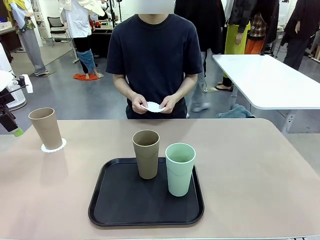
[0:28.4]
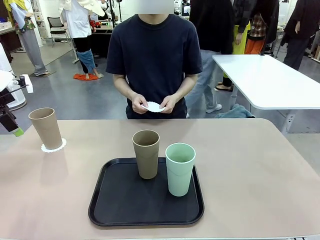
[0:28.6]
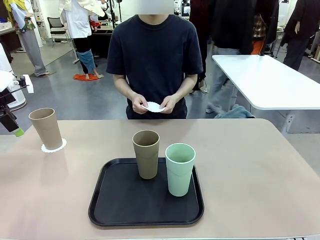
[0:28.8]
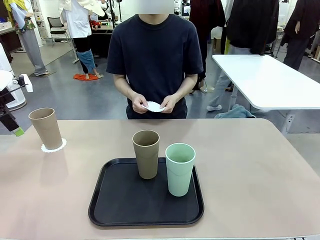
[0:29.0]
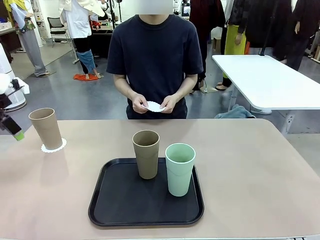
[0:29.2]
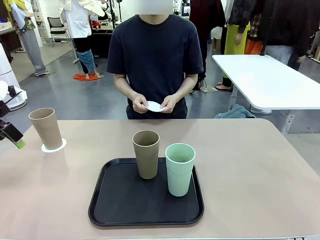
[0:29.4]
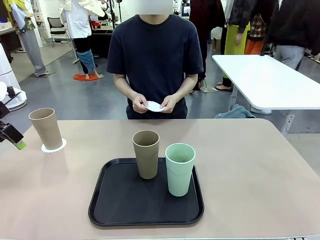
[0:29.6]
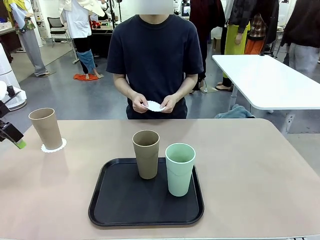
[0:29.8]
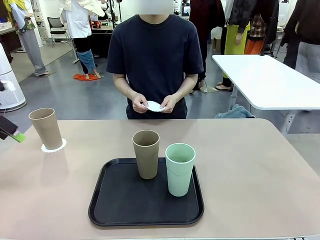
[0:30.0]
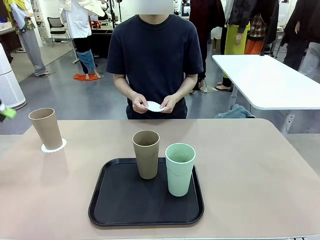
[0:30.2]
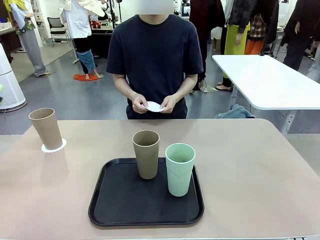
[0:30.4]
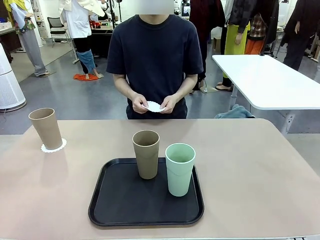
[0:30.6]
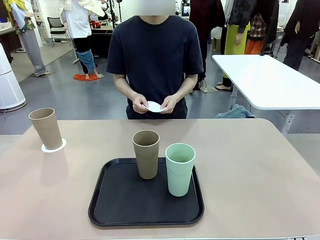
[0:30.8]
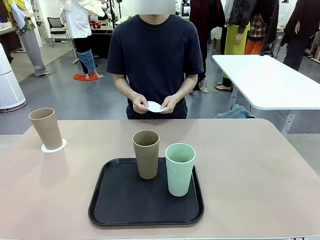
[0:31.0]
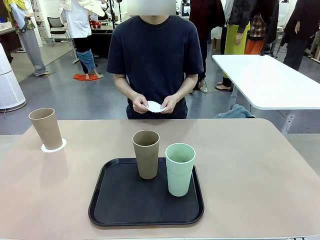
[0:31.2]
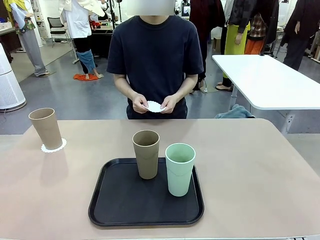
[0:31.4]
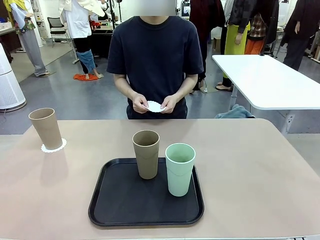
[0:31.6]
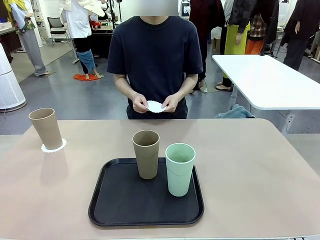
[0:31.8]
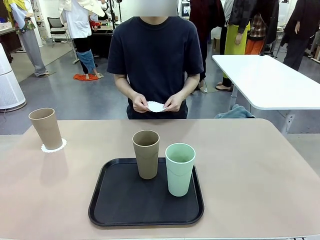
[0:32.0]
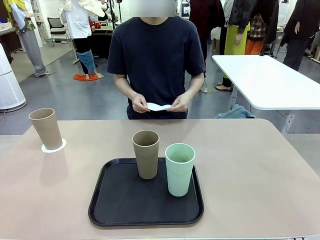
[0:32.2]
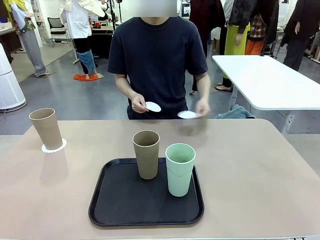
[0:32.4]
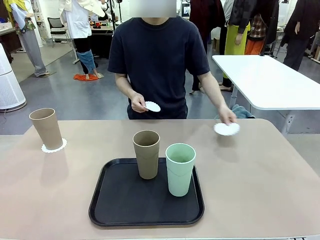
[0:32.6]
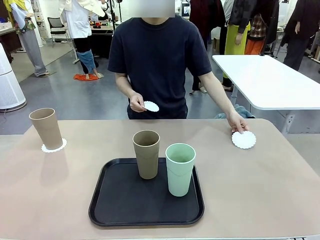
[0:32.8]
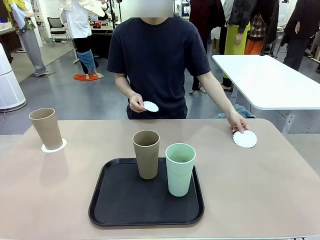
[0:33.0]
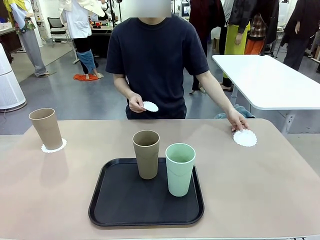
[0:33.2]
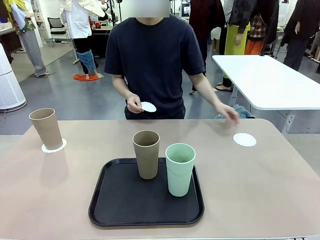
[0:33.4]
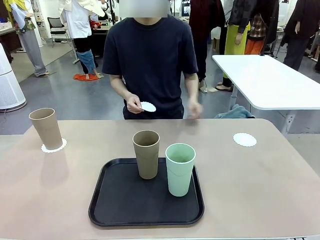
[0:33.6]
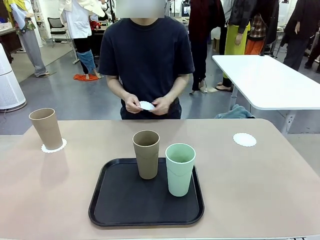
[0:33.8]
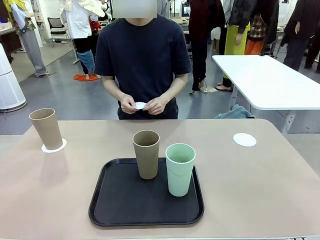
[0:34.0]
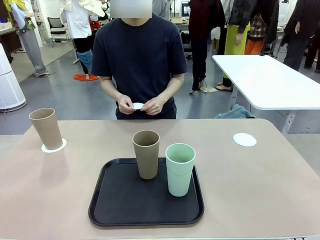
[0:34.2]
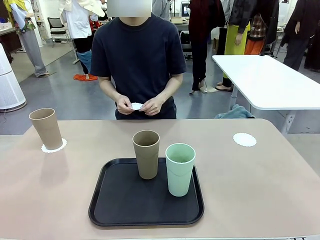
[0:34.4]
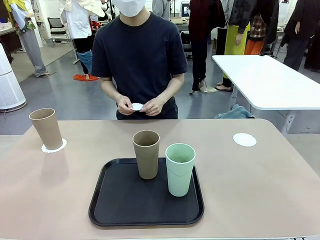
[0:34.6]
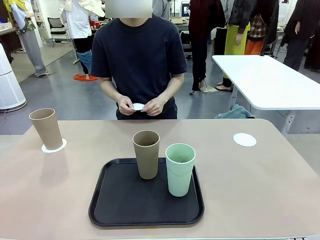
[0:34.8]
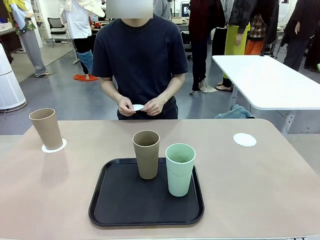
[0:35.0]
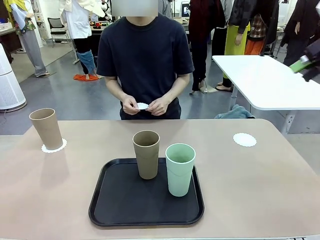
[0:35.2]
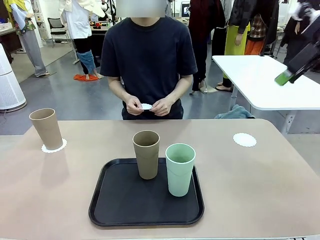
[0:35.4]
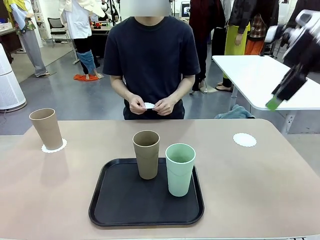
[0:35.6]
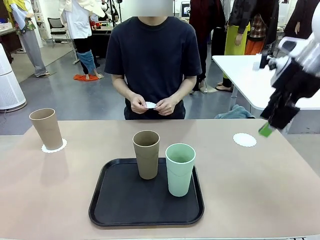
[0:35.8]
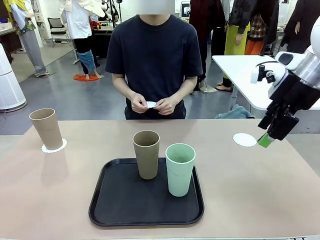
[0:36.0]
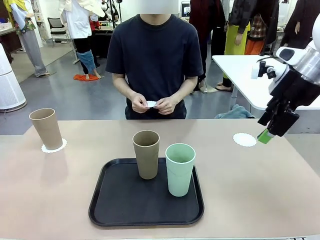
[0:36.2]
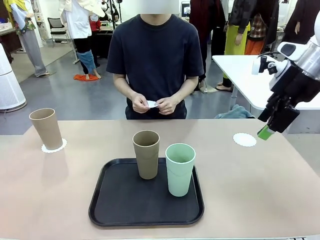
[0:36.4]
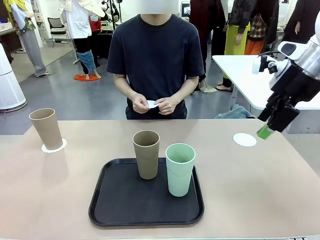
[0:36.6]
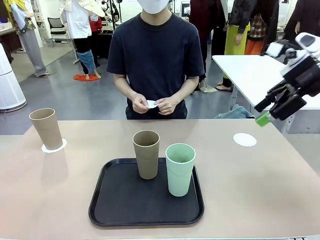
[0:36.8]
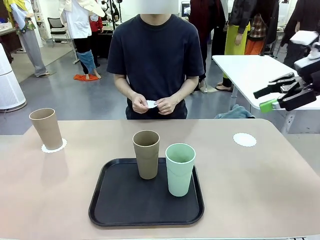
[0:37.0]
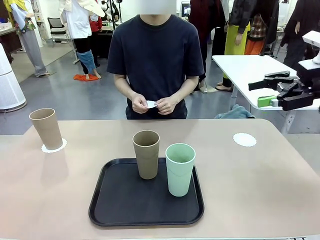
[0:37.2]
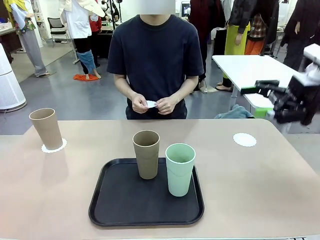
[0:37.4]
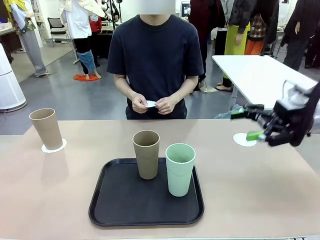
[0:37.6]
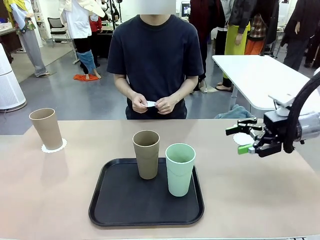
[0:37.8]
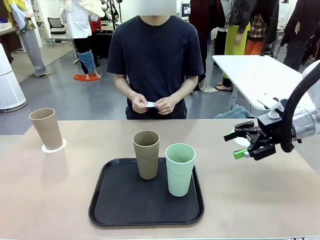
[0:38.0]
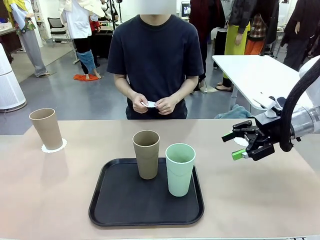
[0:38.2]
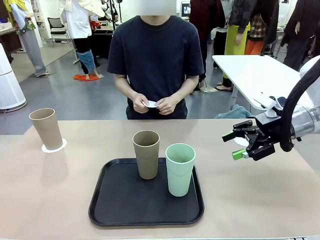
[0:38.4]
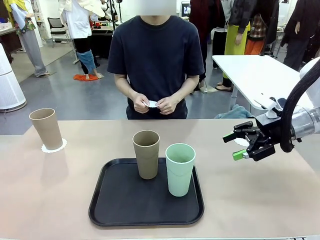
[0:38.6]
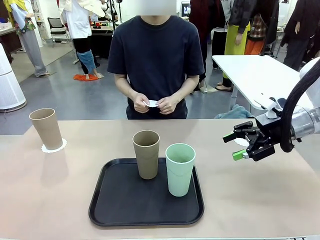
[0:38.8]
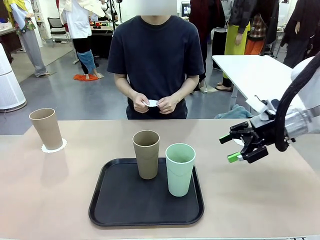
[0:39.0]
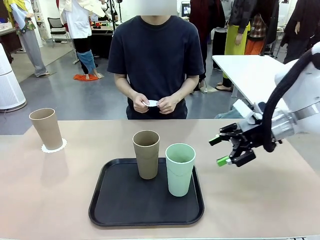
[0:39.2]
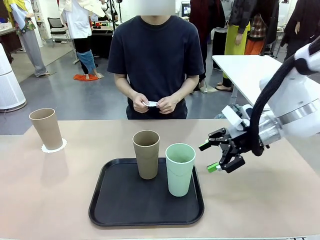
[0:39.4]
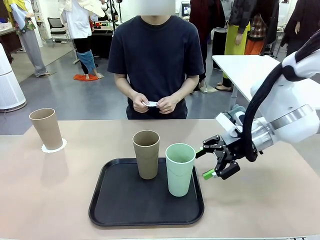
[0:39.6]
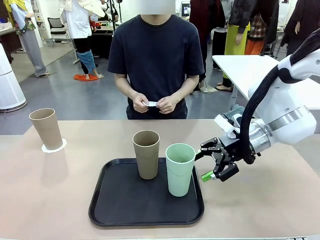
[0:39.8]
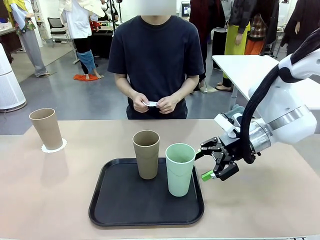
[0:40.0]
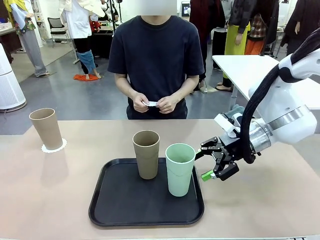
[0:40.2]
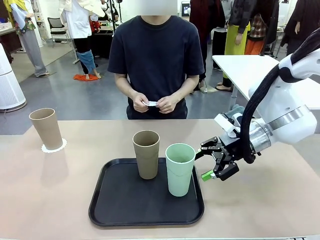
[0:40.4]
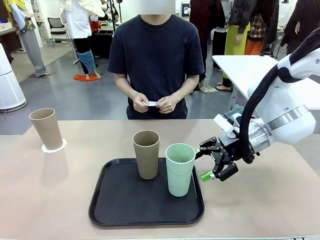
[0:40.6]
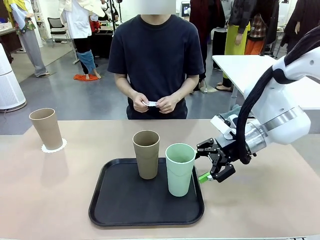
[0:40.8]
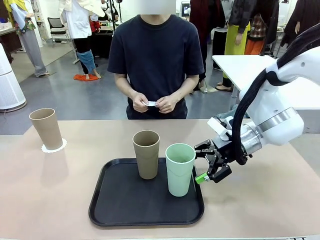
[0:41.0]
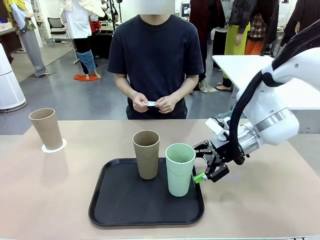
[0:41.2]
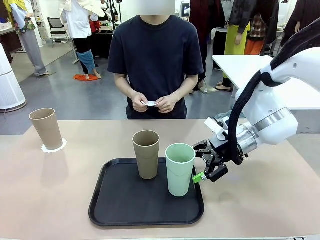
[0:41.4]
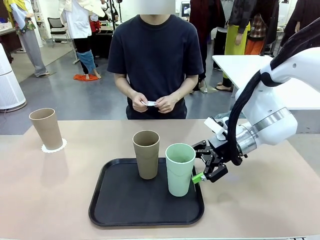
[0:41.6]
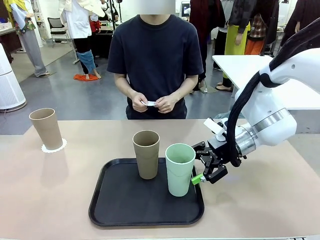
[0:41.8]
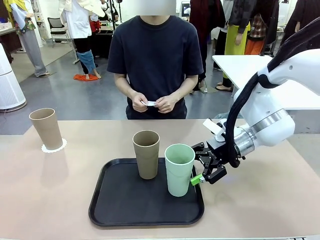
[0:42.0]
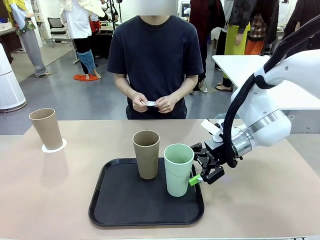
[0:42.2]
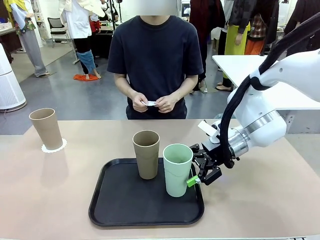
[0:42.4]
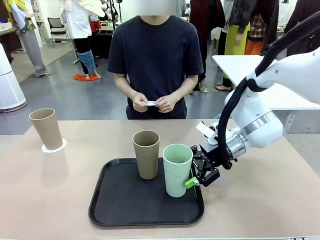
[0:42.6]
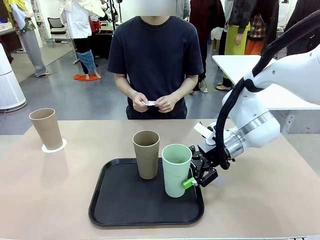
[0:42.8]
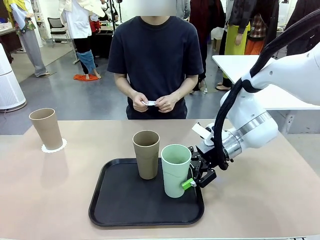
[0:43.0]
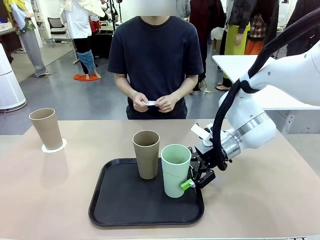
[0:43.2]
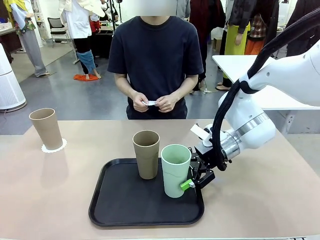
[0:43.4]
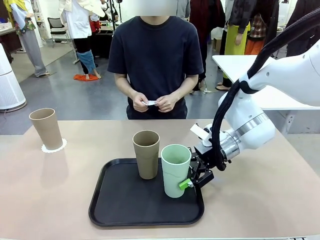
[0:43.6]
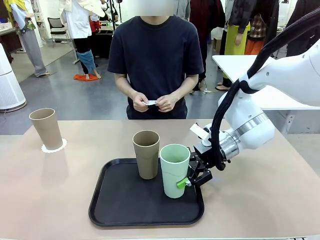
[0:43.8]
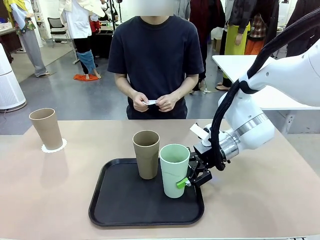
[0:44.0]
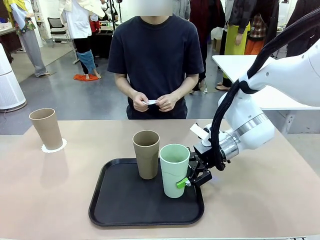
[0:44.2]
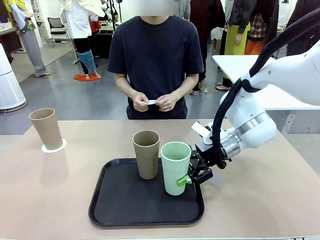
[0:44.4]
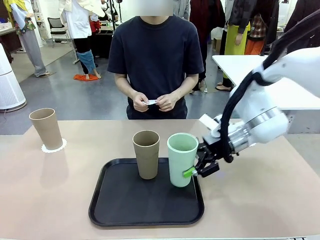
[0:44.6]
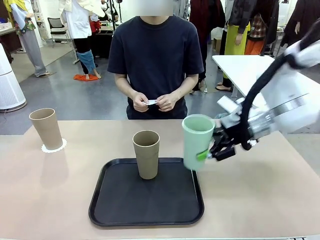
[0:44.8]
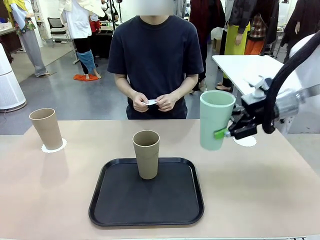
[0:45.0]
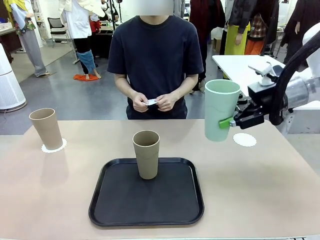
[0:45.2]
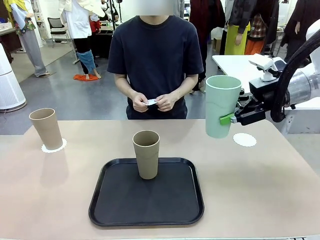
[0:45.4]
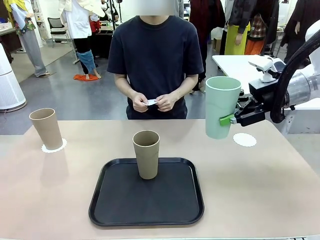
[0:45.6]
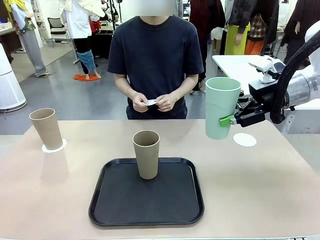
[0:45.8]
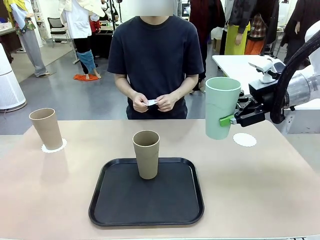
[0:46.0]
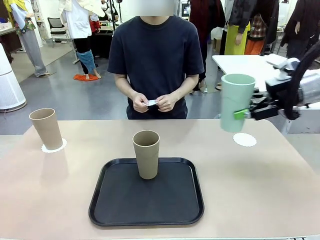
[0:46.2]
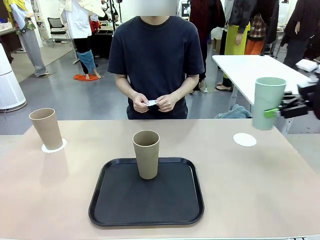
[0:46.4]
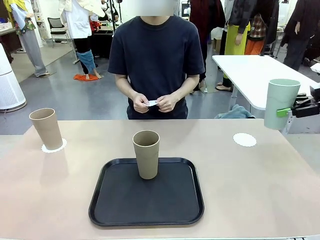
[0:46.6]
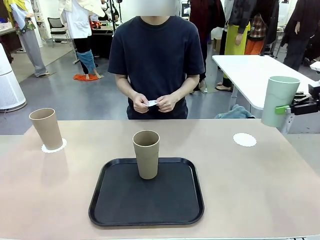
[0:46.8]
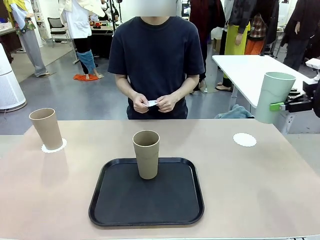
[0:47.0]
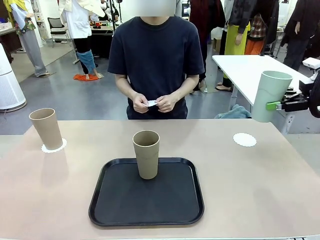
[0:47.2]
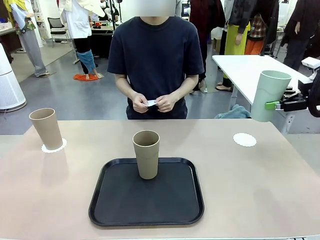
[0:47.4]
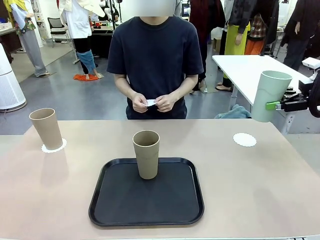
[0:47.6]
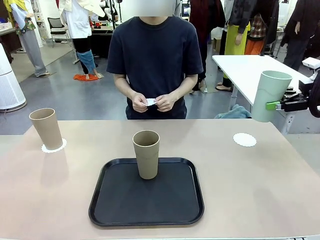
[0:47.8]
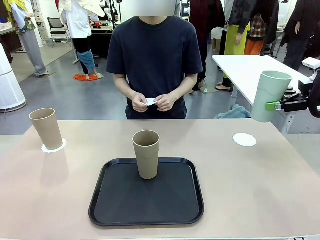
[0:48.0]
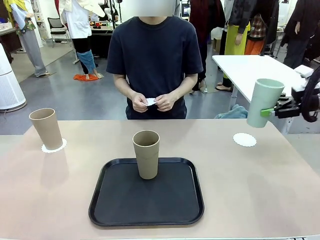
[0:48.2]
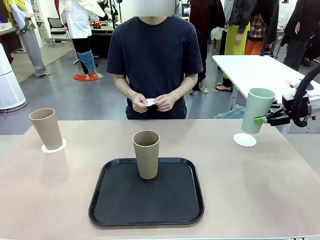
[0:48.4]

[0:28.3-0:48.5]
Task: Place coasters on the table and set cups on them.
Robot: Take one Reusable plastic cup from the Flat Tray and place it on a coaster set by the human.
